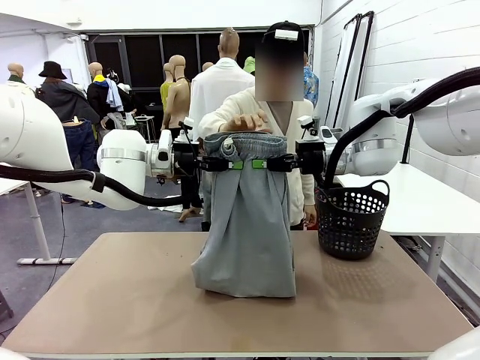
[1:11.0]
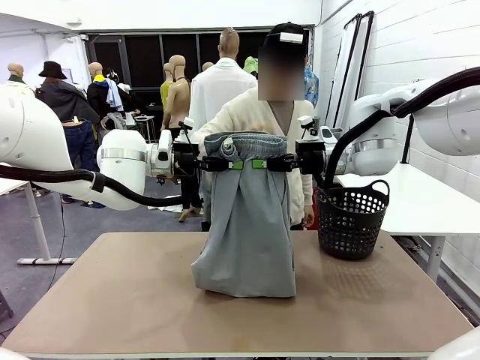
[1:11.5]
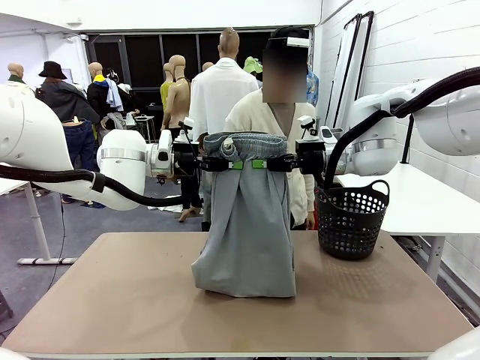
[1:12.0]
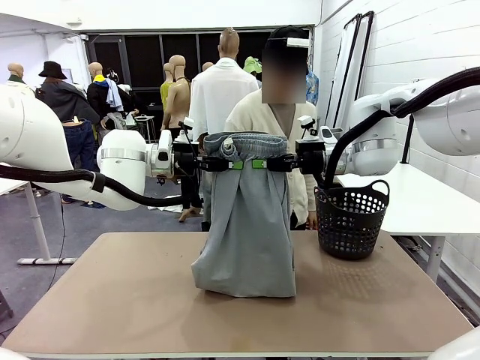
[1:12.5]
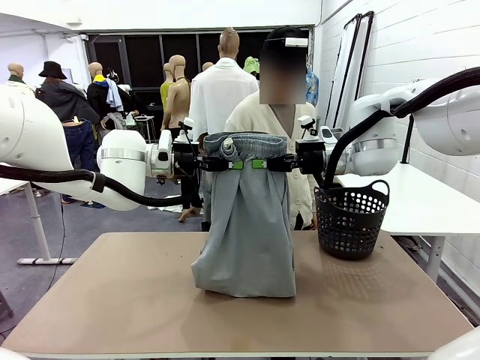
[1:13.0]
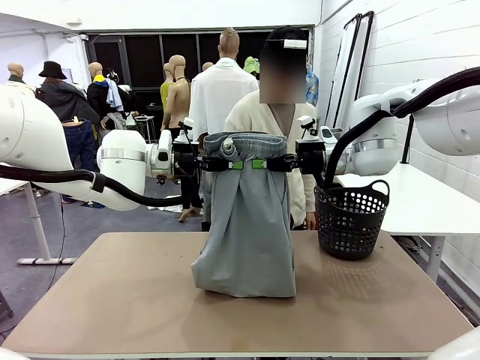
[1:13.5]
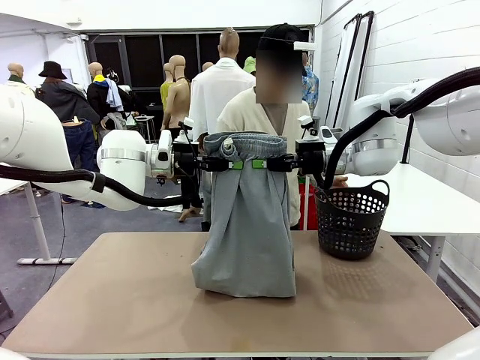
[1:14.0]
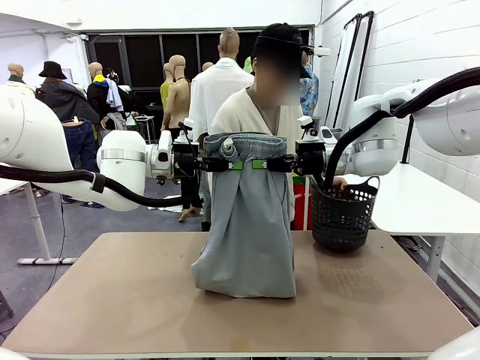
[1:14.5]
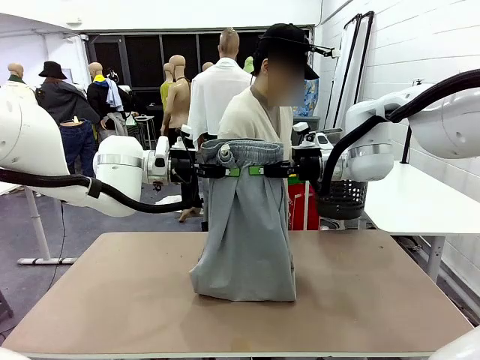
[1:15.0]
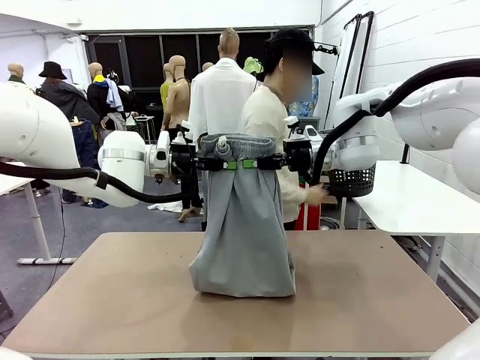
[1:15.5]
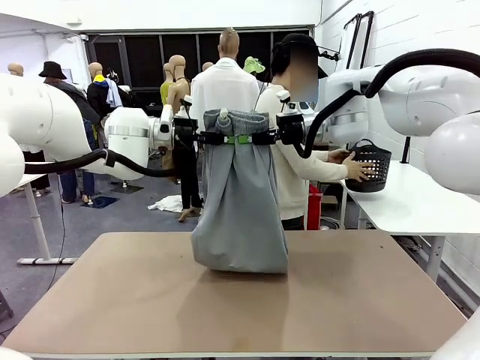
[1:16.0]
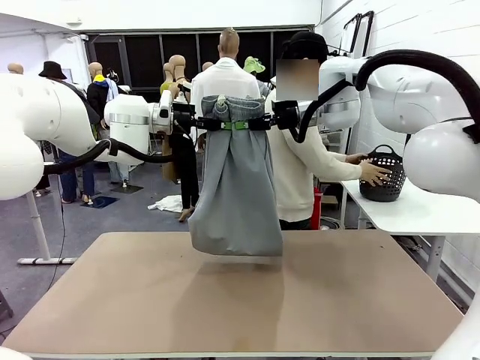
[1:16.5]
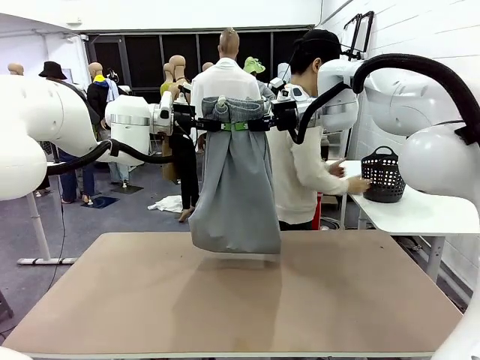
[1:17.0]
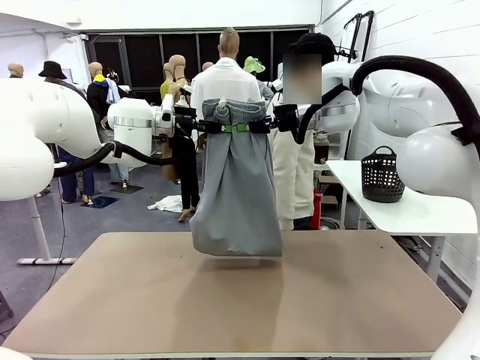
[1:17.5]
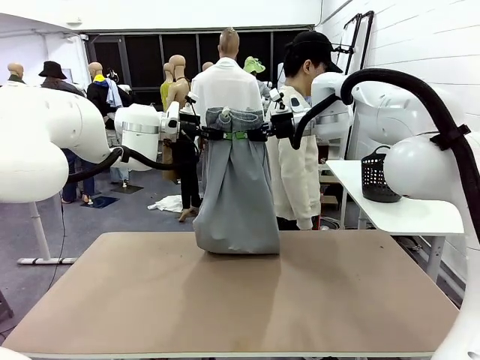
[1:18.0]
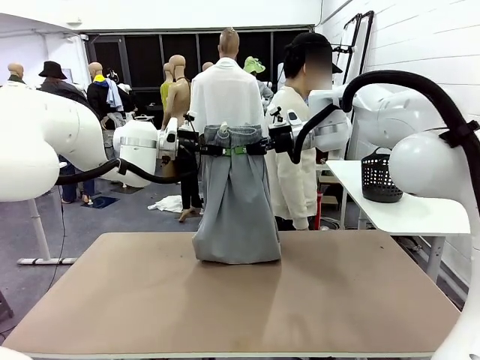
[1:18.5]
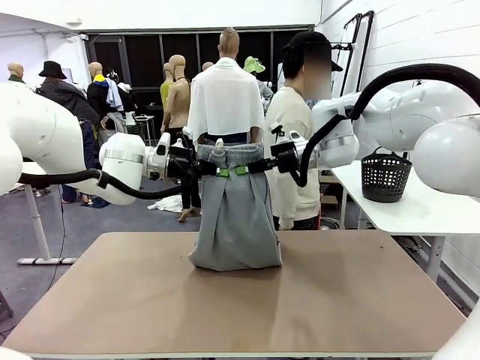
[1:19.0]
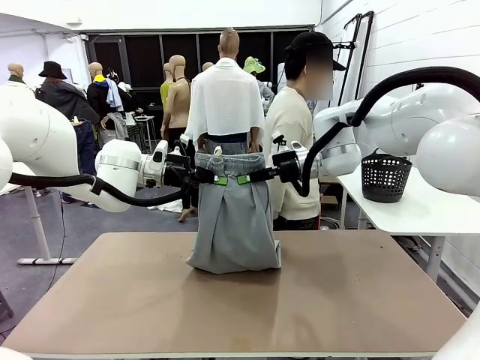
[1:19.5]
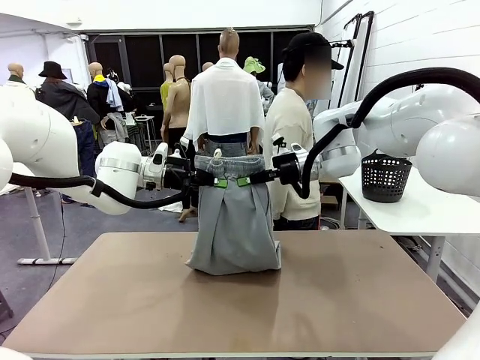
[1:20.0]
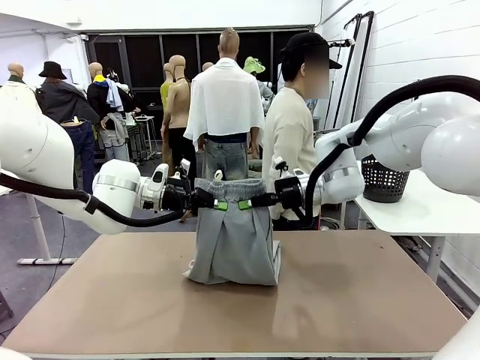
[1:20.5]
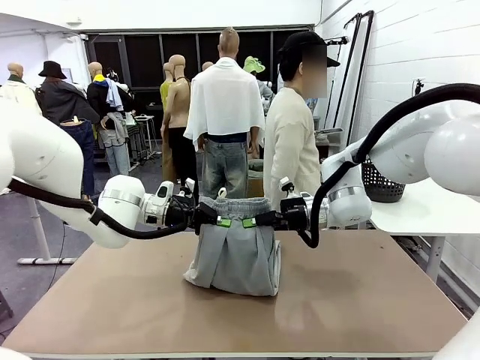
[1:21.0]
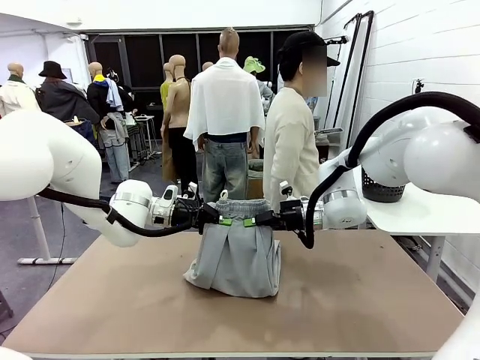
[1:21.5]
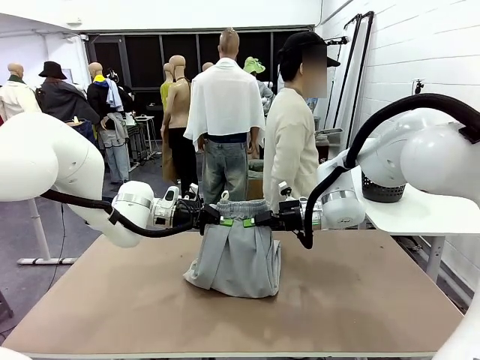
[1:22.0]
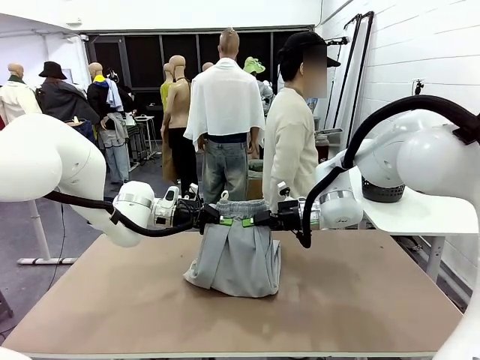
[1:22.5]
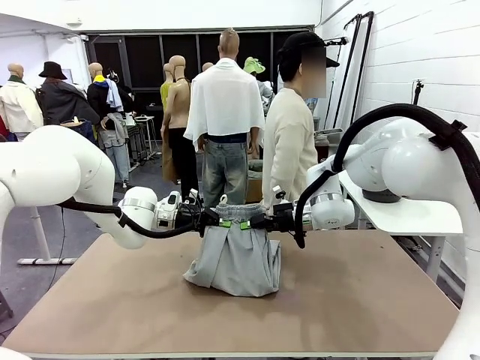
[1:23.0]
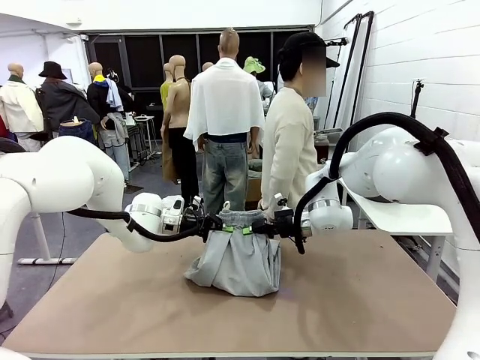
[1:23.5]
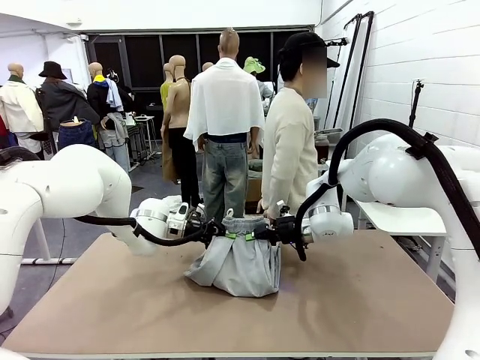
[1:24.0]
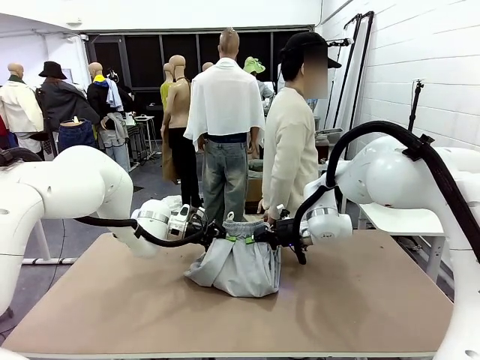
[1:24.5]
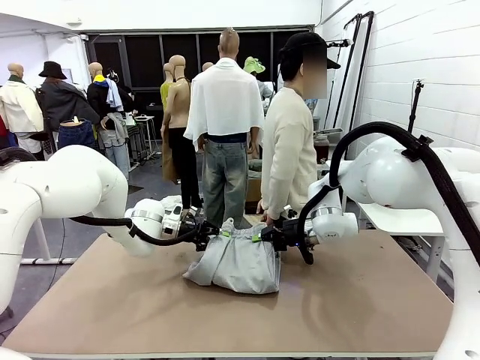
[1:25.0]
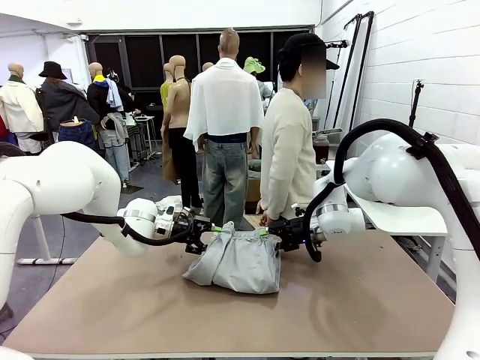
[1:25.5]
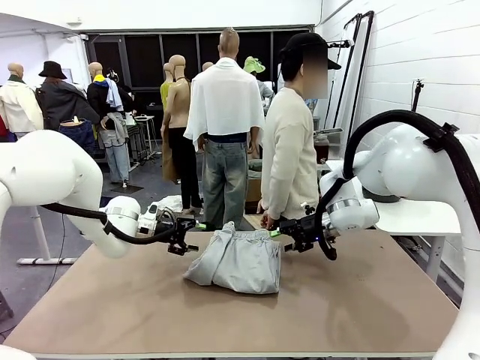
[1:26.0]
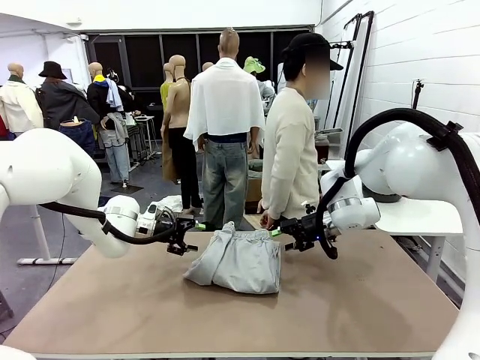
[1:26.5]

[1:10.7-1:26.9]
Task: Fold the training pants.
Robot: Fold the Training pants in half.
Person: Move the laundry basket to the right of the human table.

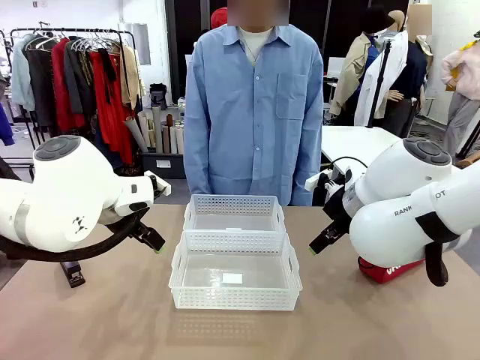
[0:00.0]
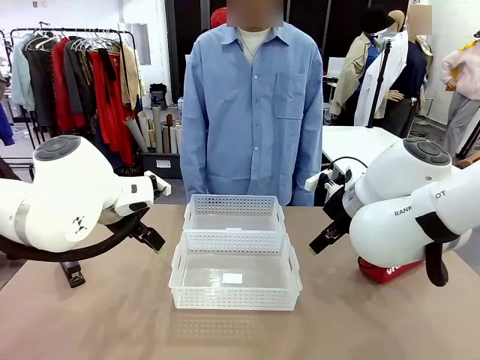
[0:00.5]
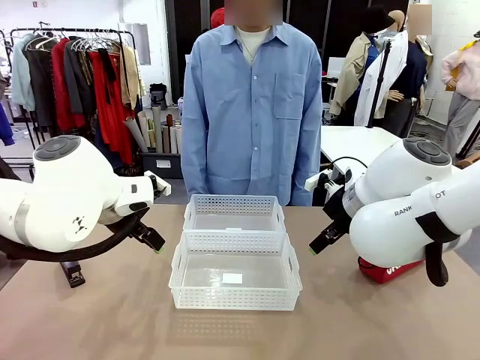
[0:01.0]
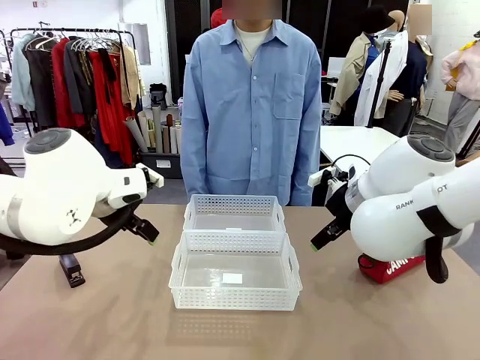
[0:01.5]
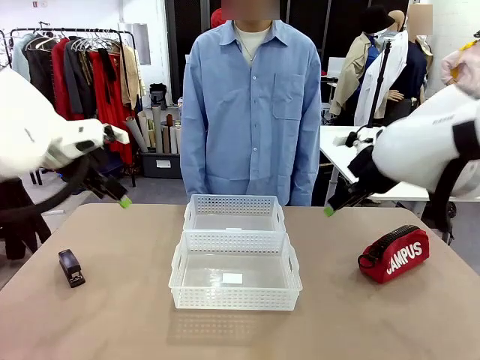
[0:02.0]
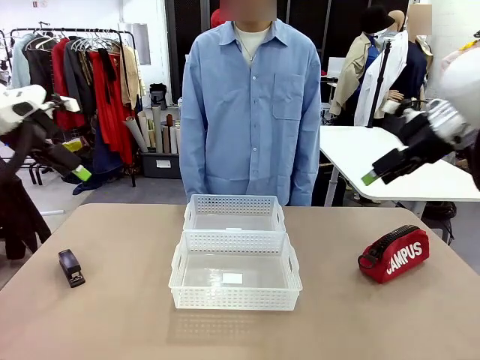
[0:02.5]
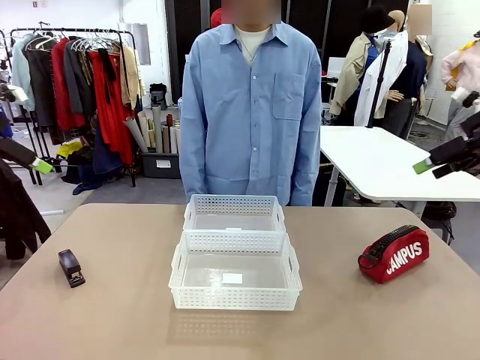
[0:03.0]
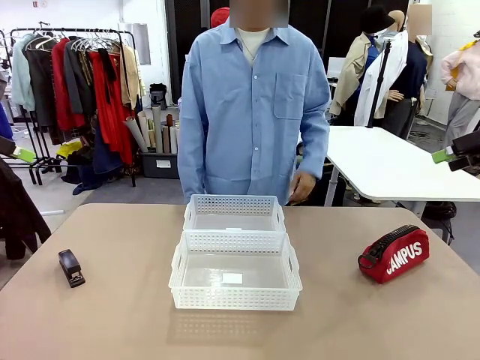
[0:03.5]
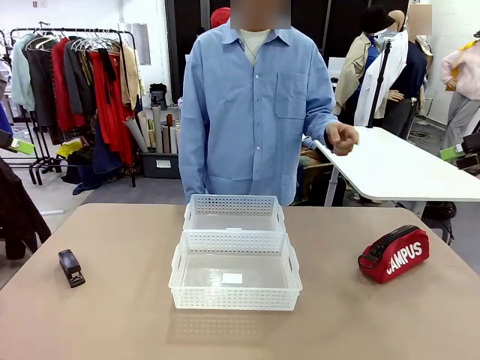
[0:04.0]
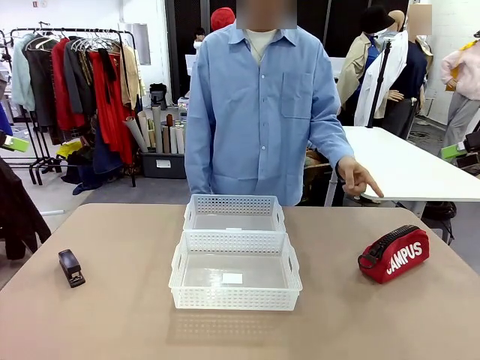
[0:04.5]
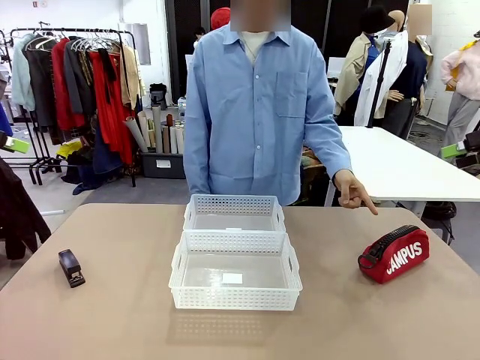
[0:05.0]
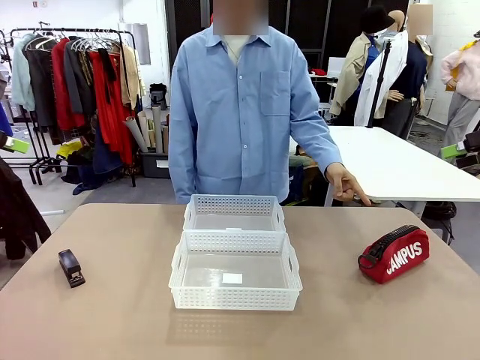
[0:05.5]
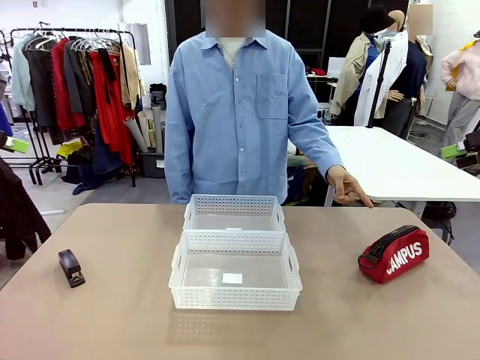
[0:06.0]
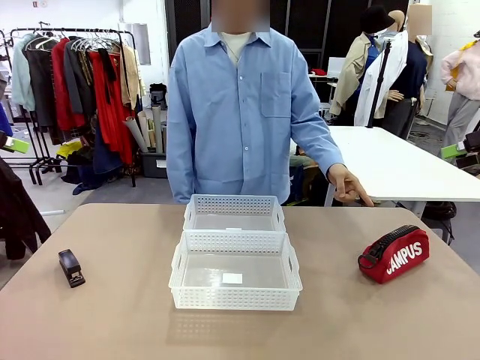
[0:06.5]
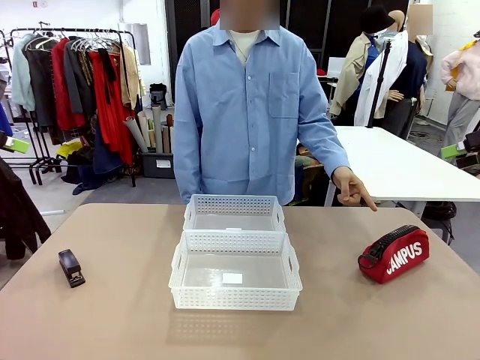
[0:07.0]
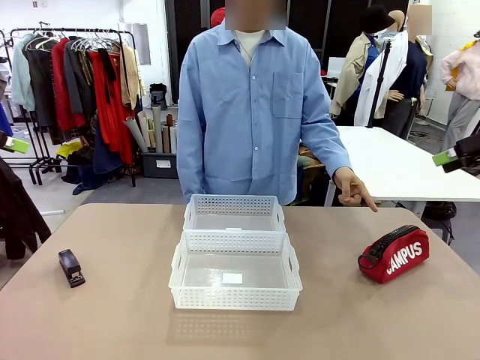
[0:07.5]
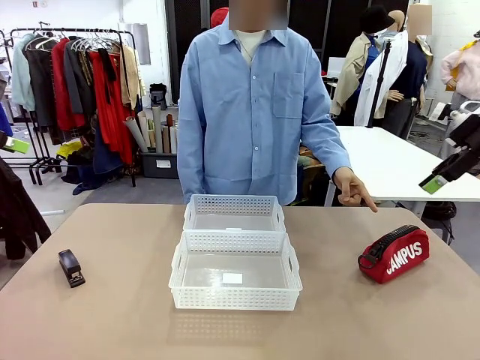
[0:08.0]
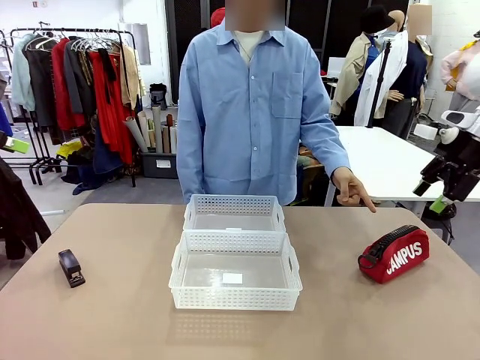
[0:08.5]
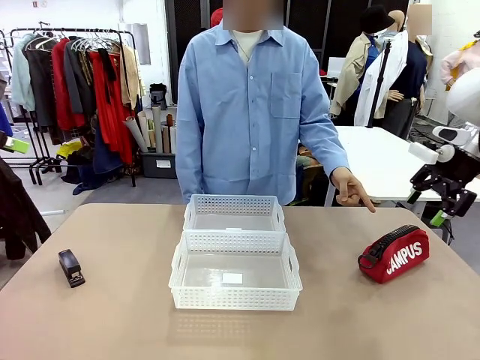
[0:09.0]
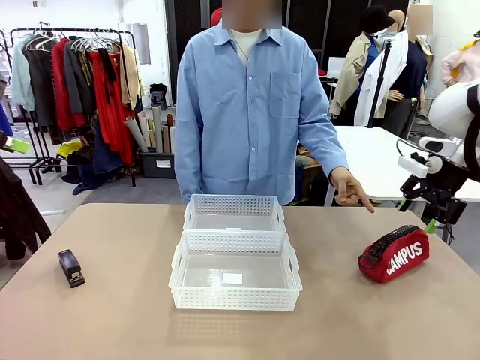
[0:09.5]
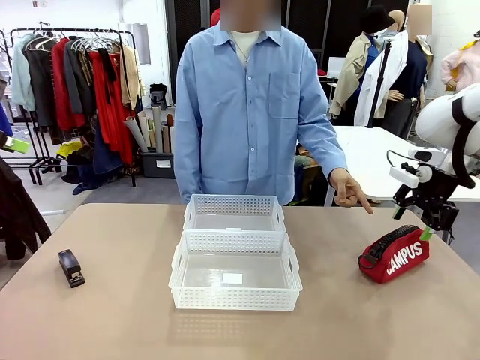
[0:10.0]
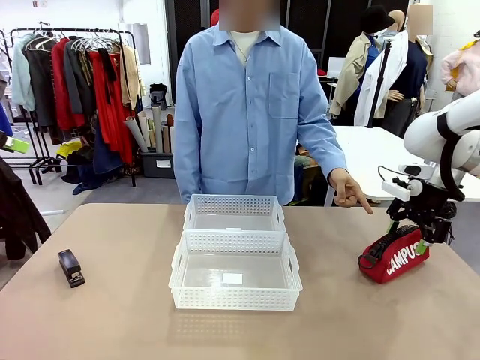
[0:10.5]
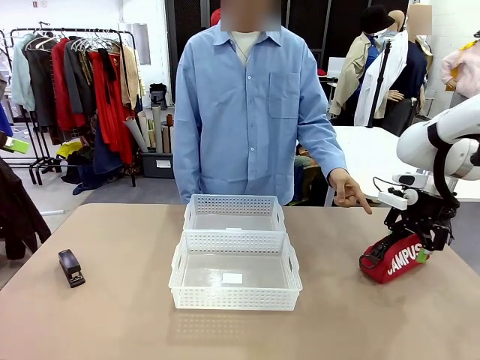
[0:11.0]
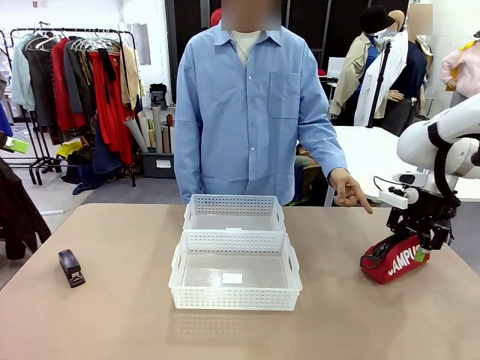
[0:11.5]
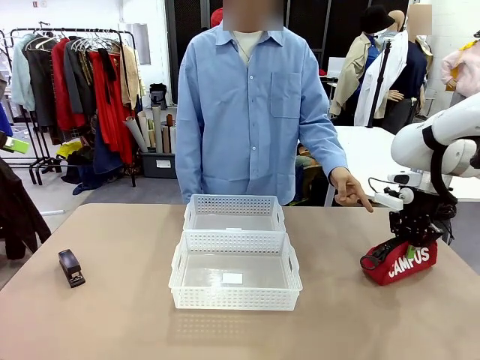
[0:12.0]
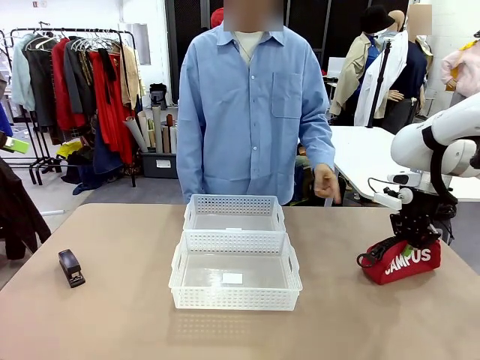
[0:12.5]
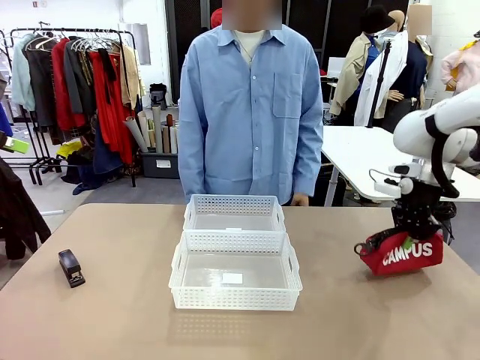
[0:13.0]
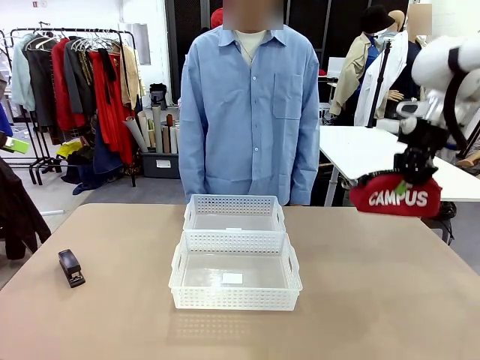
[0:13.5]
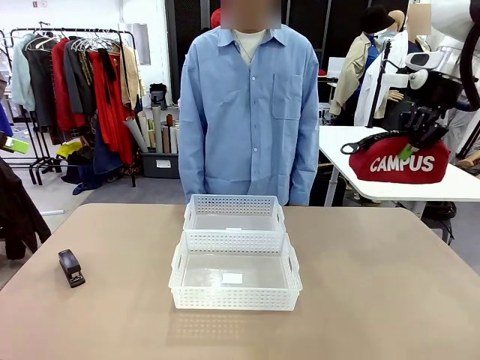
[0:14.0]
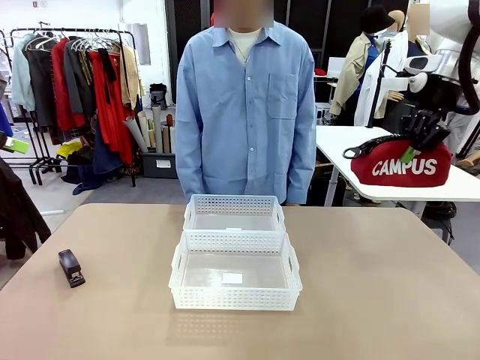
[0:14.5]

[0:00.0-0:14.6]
Task: Distribute items into two baskets.
Robot: Pick up the Pencil pouch that the person points to.
Person: Points to the pencil case. Points between the two organizing baskets and instructs the robot to move the pencil case.
